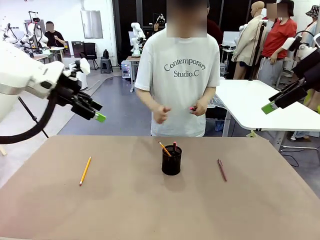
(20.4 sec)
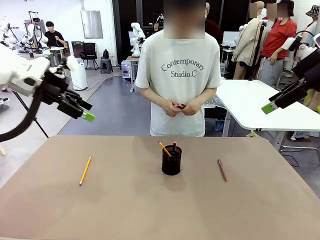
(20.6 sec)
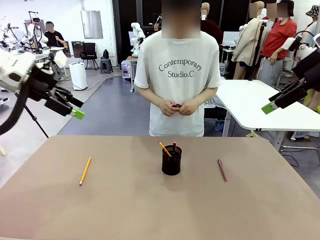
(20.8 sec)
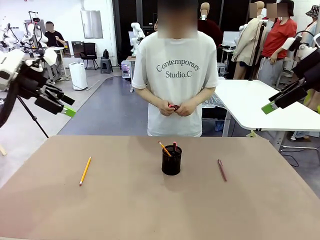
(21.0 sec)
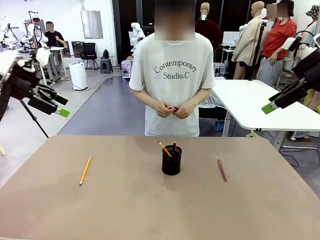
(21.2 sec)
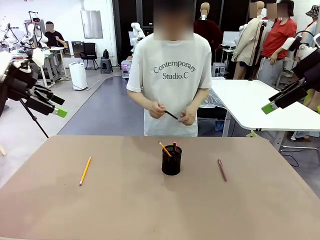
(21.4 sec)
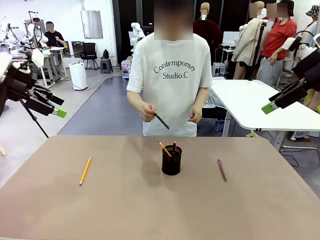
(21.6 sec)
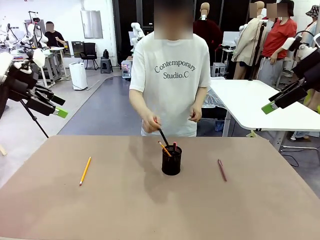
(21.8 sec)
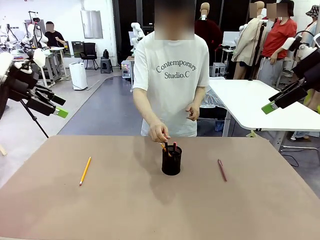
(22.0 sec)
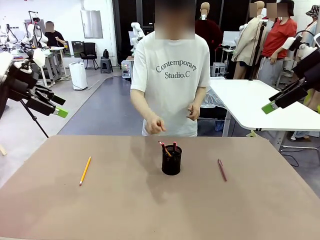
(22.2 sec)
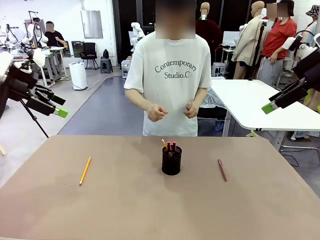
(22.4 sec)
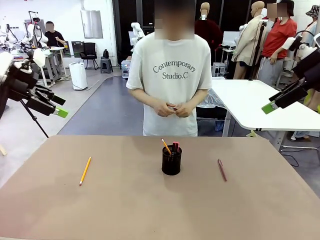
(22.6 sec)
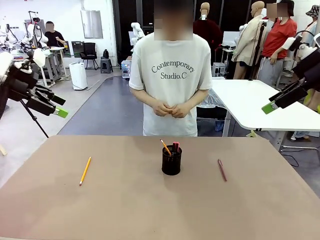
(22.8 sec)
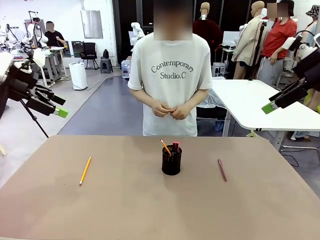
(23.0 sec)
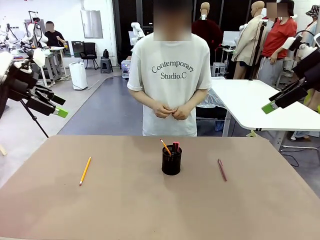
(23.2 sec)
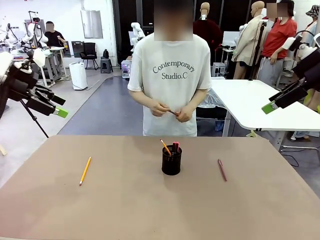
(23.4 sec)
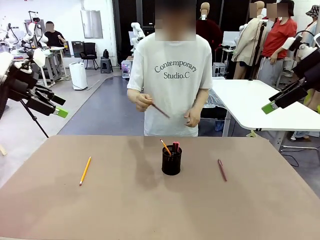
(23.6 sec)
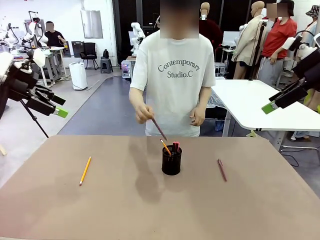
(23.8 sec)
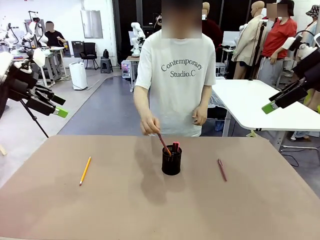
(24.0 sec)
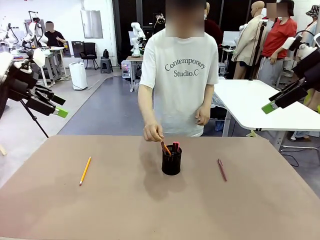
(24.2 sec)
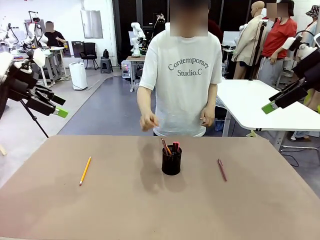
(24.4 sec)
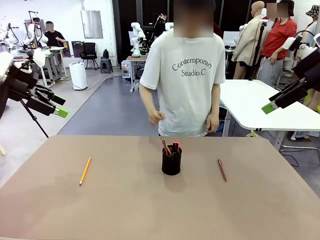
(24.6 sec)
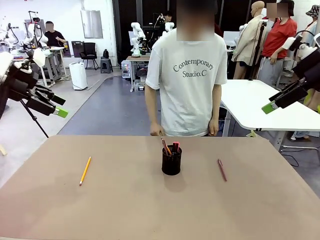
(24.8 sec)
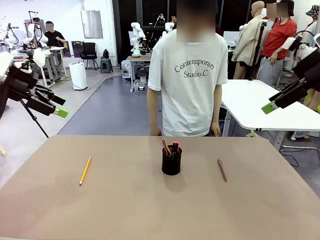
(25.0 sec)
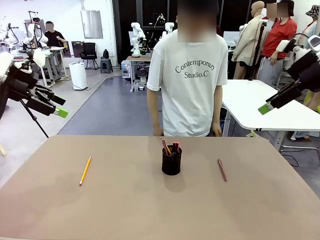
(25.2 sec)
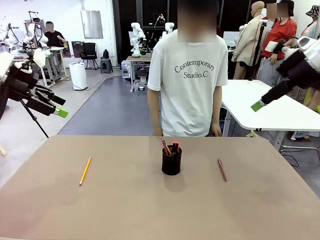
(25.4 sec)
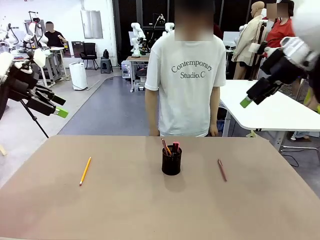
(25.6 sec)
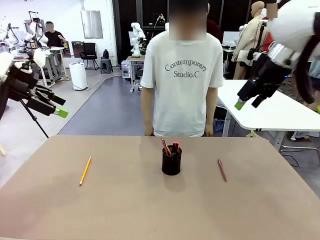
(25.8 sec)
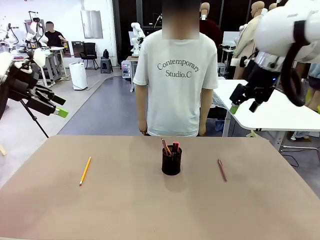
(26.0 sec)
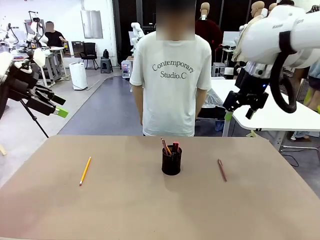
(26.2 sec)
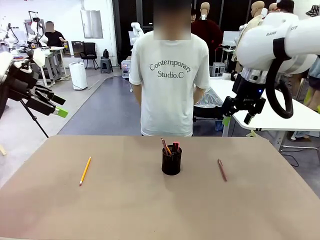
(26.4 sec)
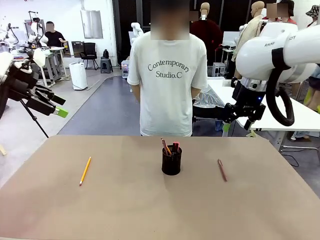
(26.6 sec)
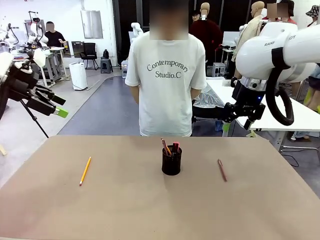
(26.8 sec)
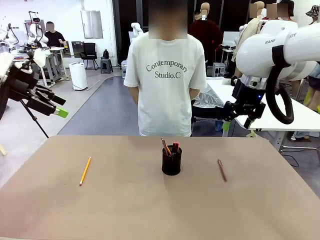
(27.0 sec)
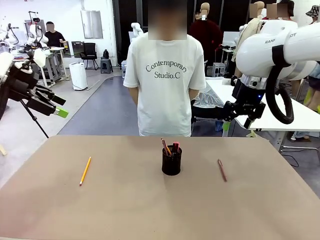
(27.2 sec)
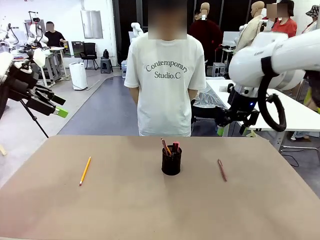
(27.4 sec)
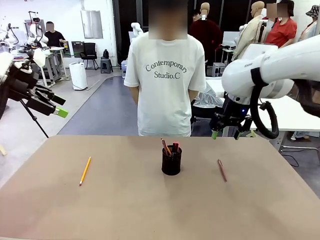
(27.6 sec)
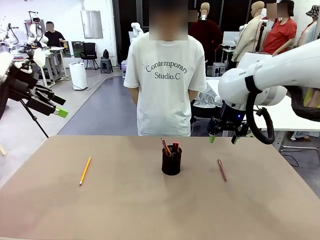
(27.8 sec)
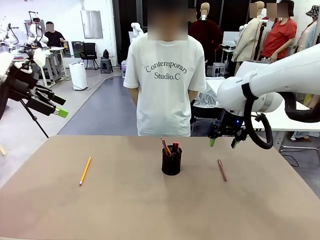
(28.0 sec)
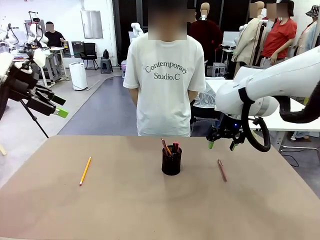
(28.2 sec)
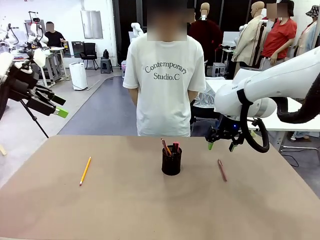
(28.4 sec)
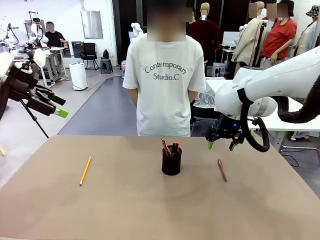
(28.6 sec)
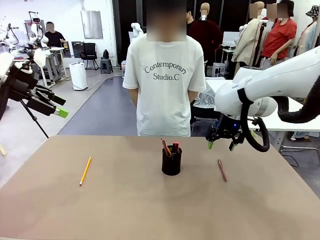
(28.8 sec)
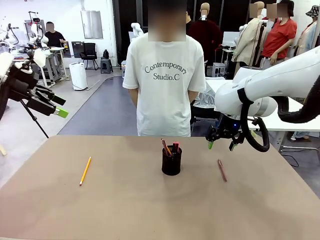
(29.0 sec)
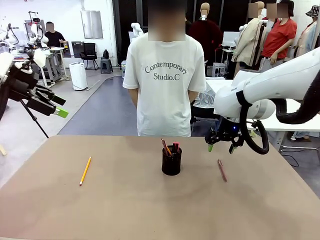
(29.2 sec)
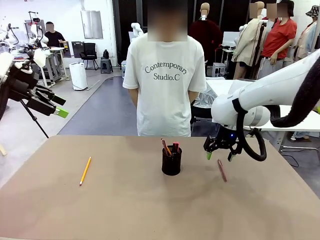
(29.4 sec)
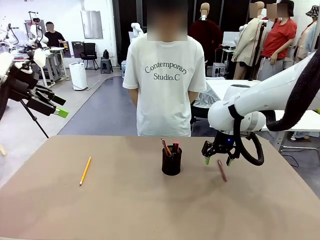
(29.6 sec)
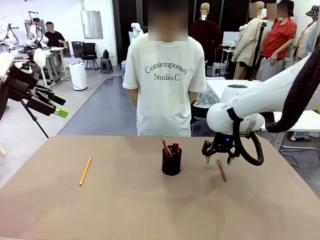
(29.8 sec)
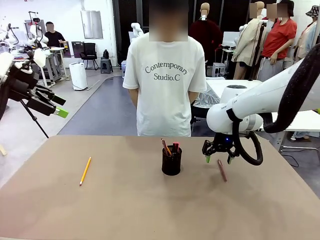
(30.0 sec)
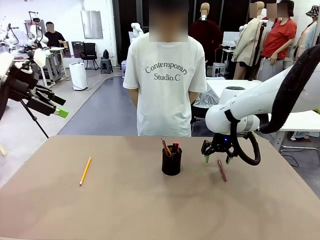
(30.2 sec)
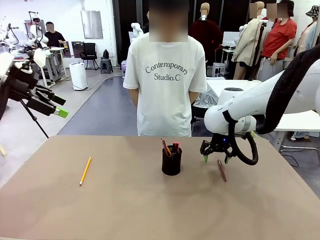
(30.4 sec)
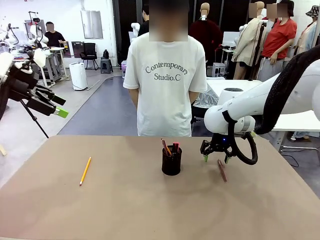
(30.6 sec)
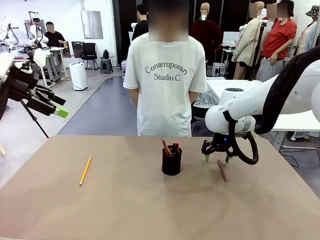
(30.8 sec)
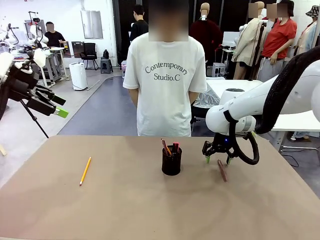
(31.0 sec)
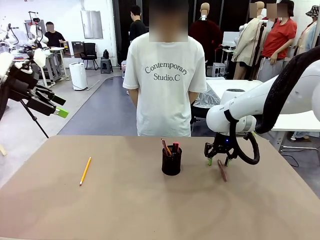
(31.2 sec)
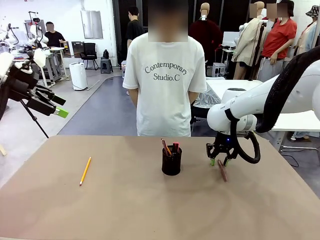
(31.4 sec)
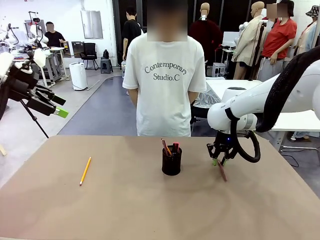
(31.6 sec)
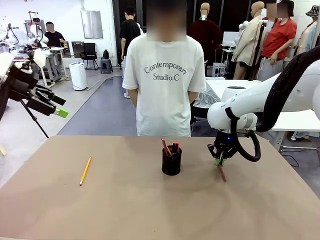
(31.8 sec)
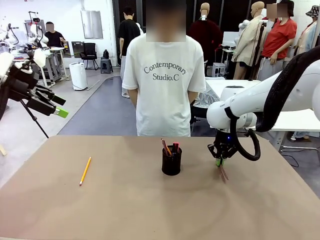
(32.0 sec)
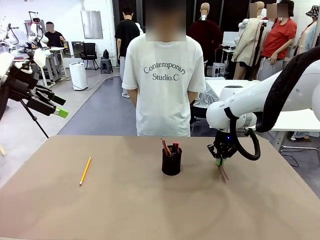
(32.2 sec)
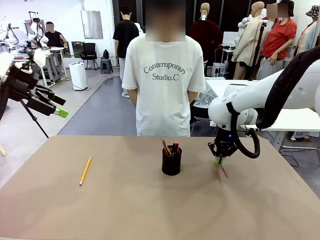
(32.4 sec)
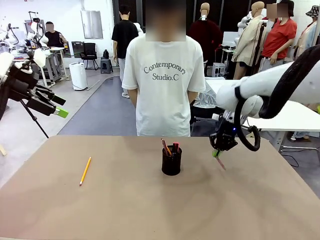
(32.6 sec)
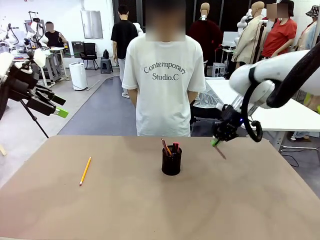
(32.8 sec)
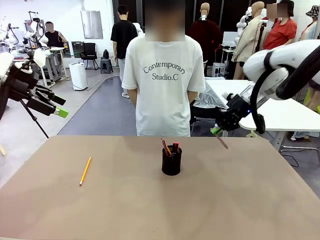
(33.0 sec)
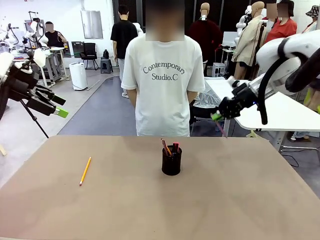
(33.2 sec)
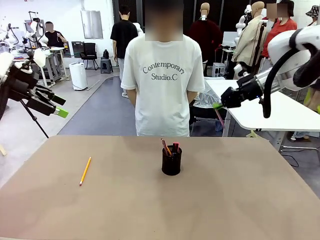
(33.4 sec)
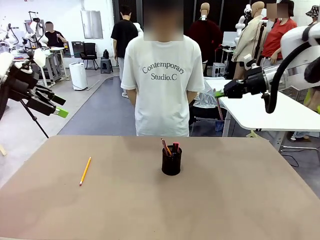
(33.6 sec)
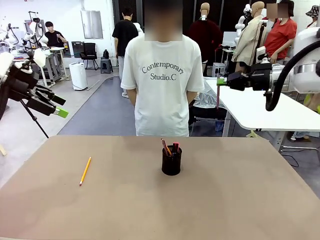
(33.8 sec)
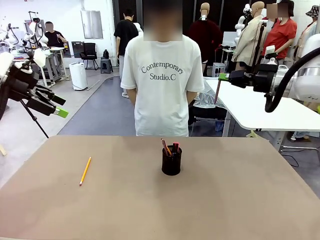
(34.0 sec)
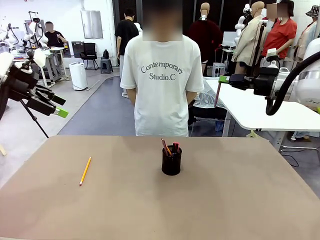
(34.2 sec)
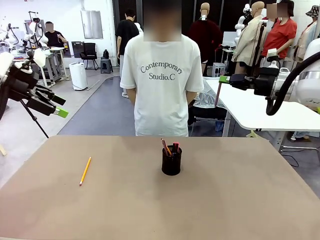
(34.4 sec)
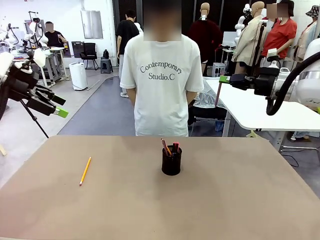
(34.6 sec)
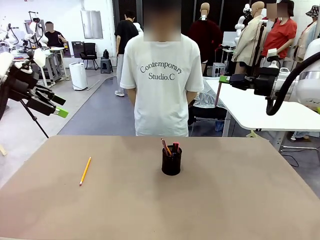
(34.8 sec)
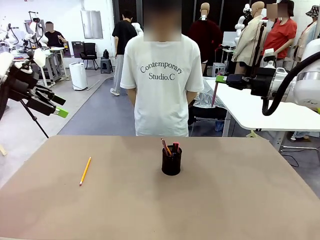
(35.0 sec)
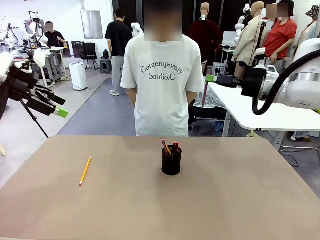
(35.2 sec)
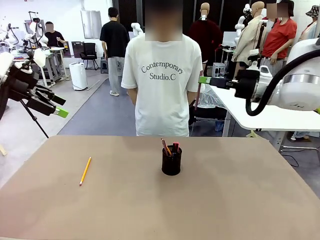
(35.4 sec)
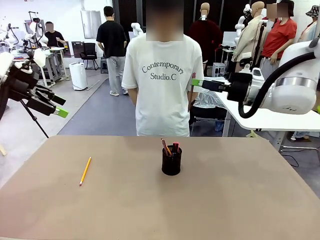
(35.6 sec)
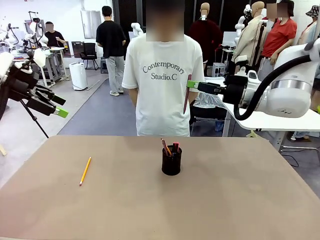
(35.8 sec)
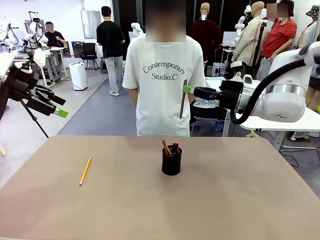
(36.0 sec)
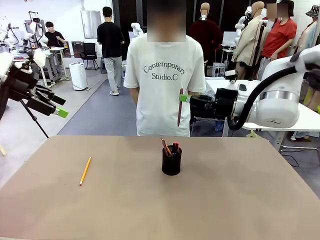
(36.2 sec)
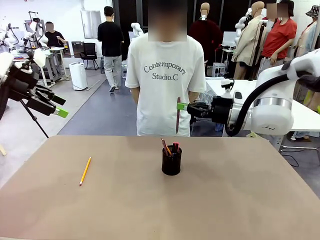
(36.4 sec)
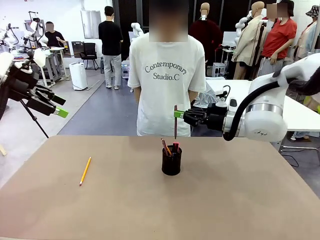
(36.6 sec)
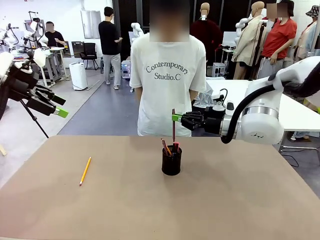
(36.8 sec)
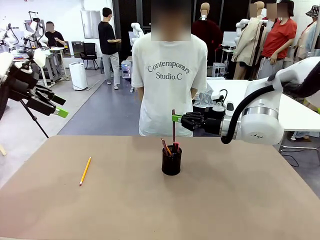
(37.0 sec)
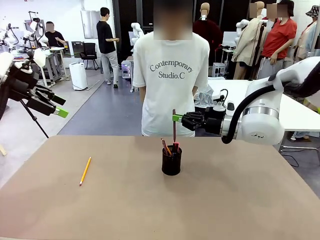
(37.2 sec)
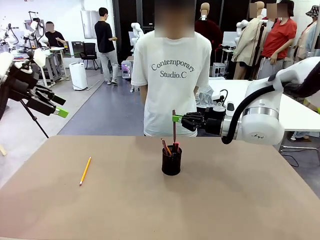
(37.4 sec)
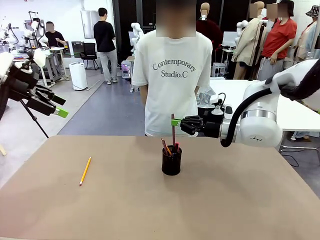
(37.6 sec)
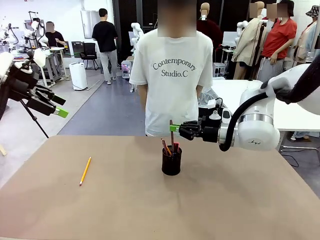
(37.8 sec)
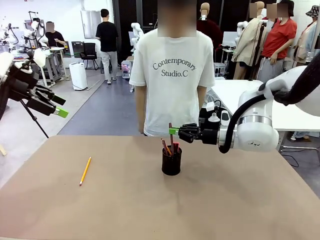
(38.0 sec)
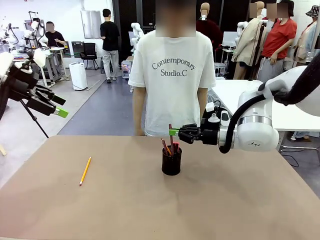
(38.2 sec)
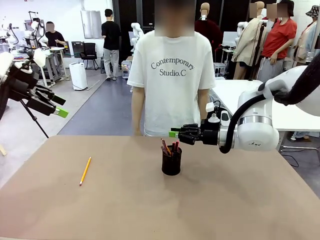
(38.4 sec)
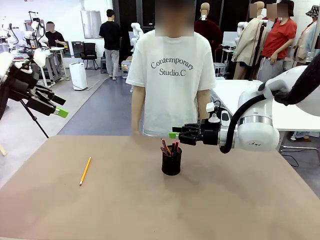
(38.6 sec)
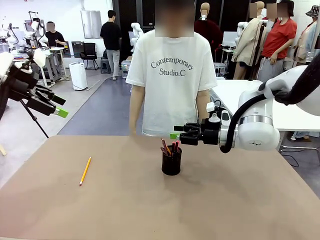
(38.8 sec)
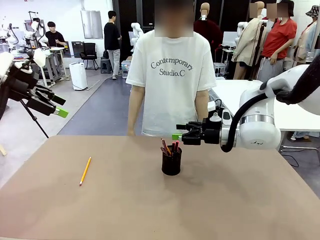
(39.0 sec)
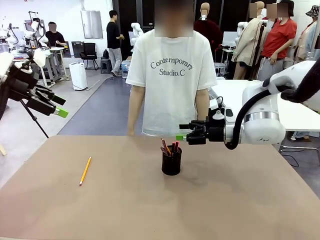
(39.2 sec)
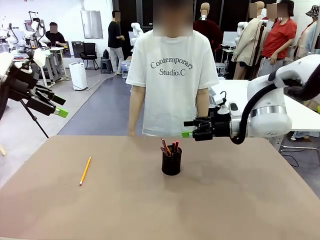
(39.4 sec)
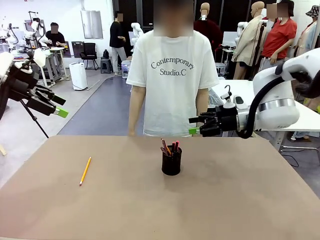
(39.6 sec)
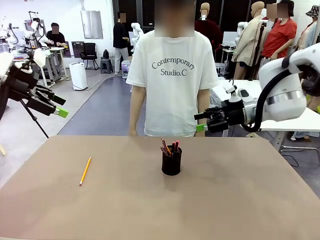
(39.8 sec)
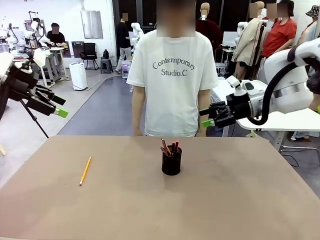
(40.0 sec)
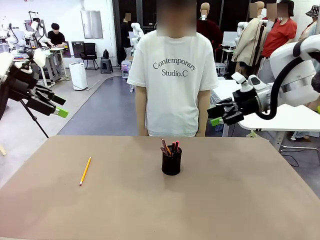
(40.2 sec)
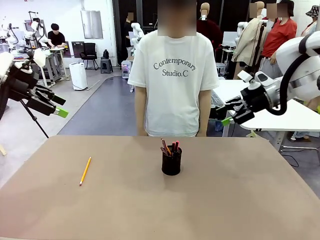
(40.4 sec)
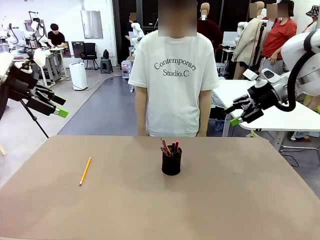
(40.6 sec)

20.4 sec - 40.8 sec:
Task: Place the pens into the pen holder.
Robot: Pick up a writing instrument from the table and place it into the Pen holder.
